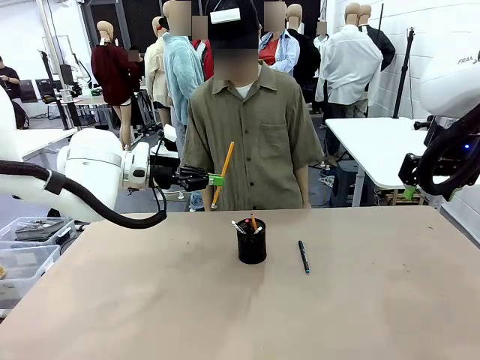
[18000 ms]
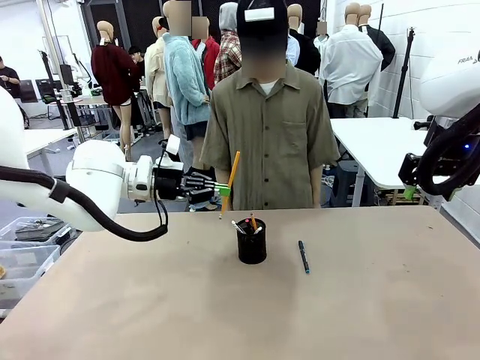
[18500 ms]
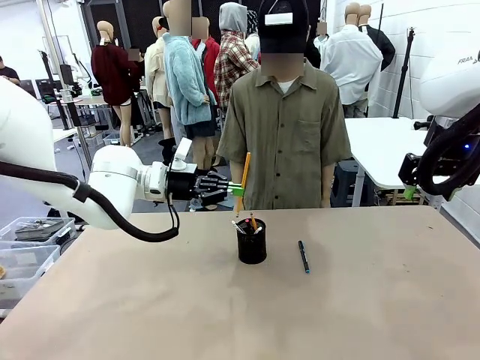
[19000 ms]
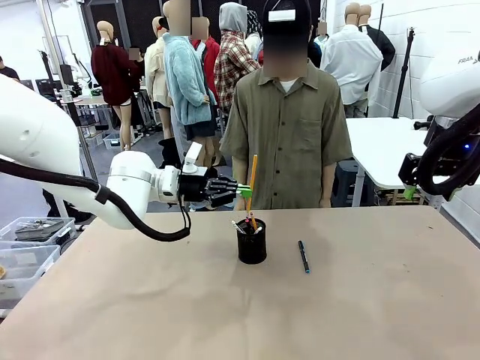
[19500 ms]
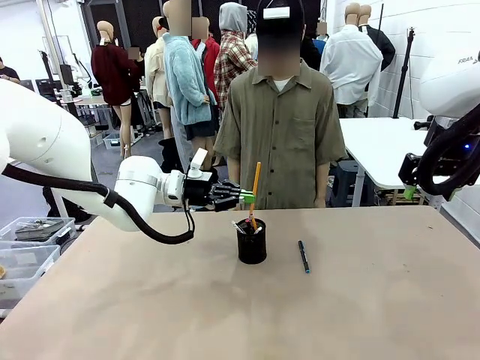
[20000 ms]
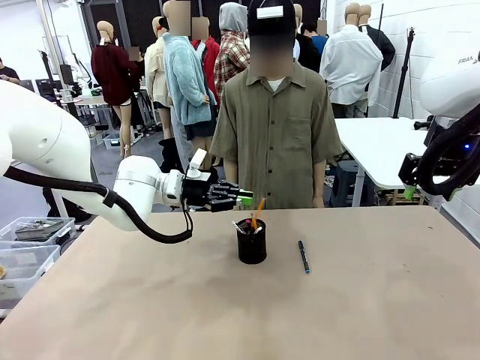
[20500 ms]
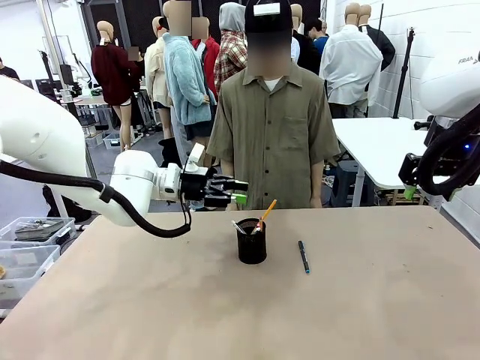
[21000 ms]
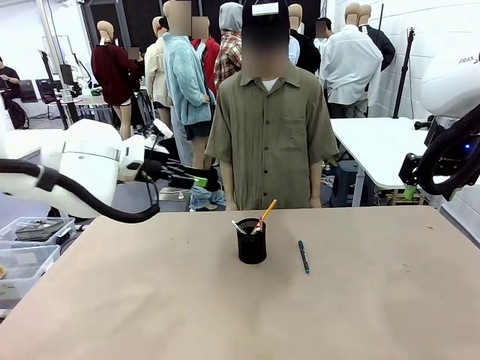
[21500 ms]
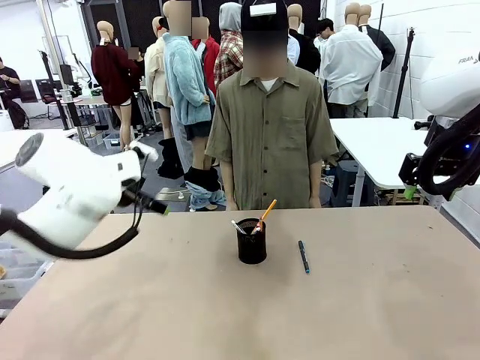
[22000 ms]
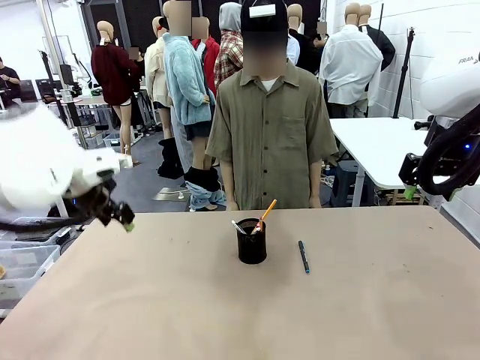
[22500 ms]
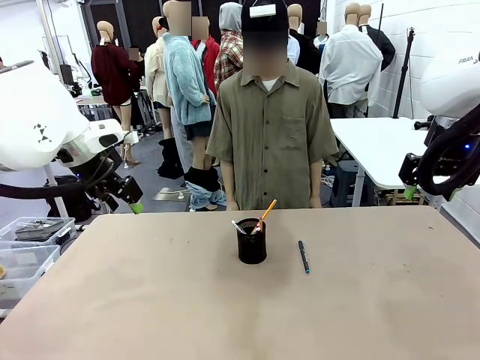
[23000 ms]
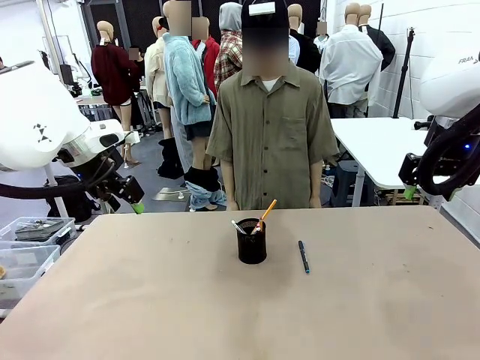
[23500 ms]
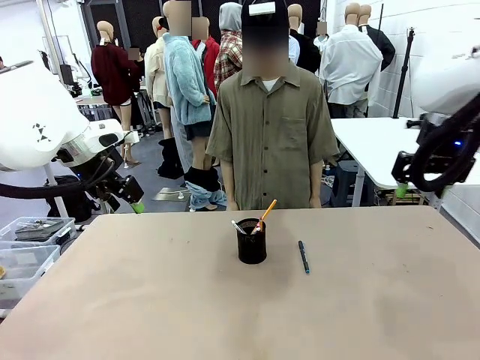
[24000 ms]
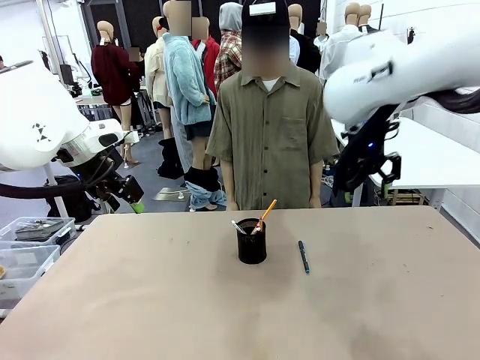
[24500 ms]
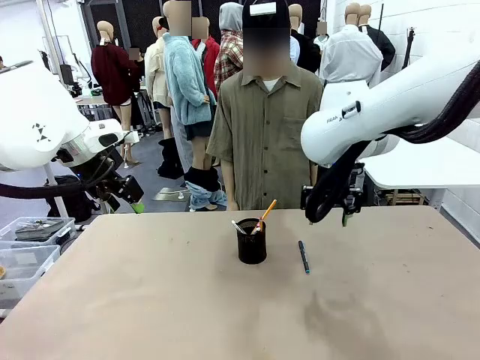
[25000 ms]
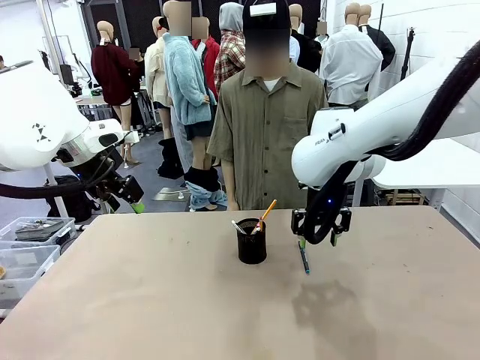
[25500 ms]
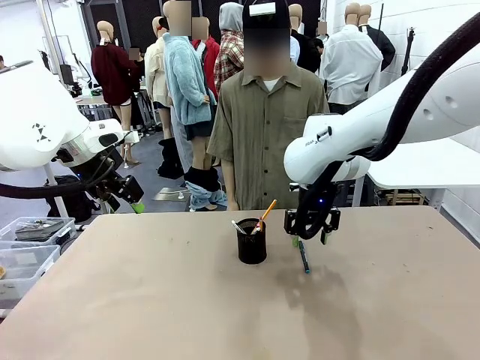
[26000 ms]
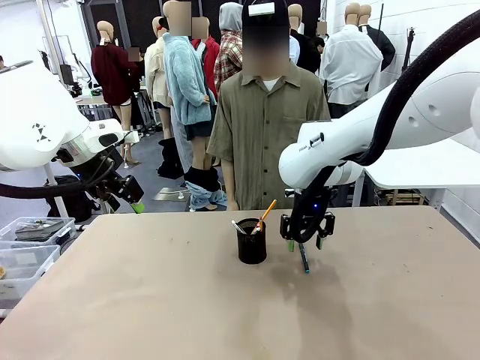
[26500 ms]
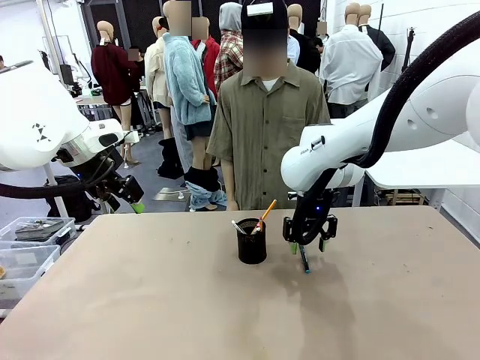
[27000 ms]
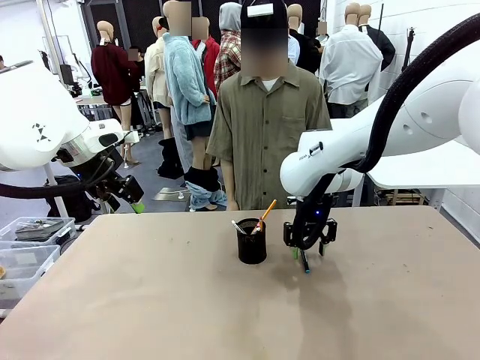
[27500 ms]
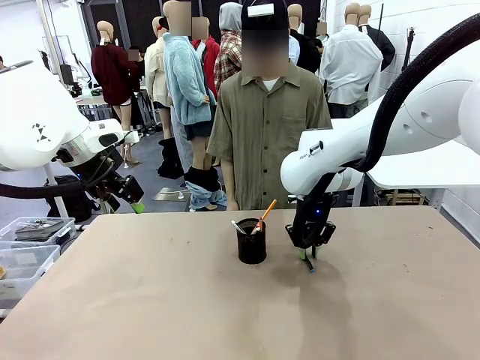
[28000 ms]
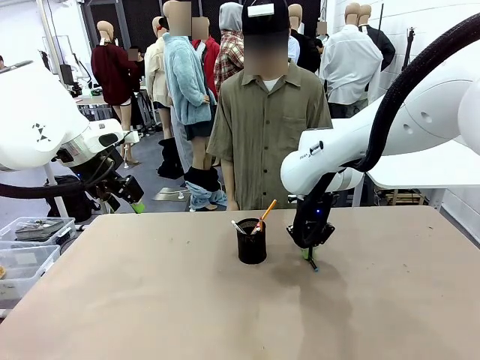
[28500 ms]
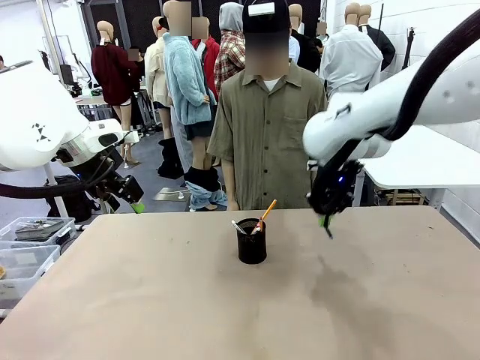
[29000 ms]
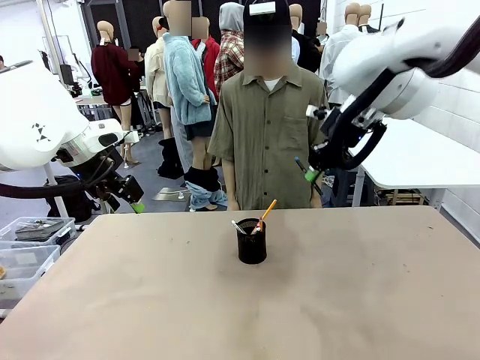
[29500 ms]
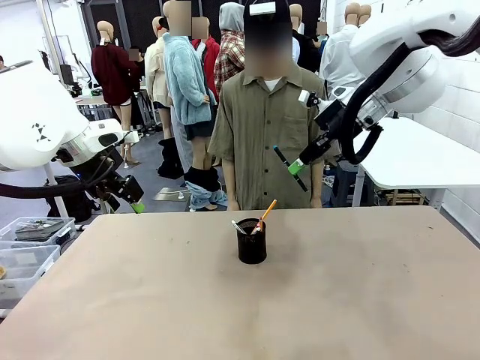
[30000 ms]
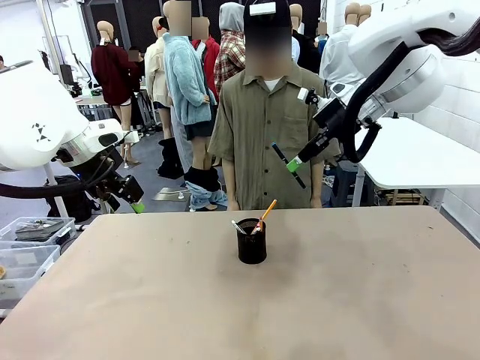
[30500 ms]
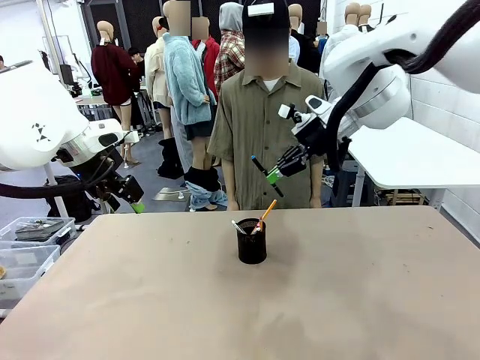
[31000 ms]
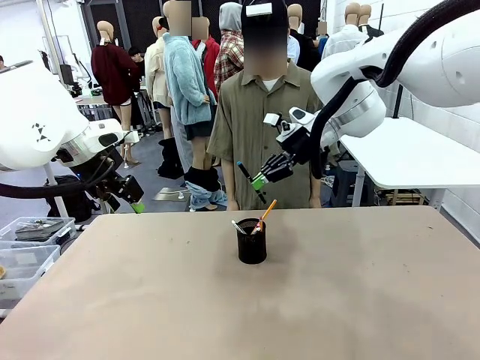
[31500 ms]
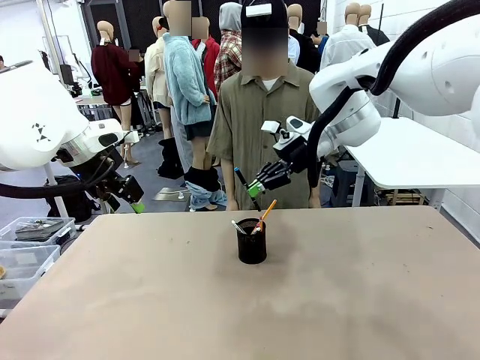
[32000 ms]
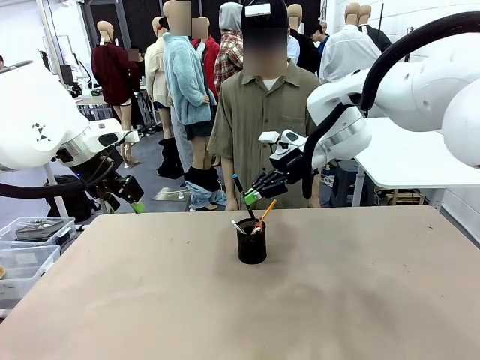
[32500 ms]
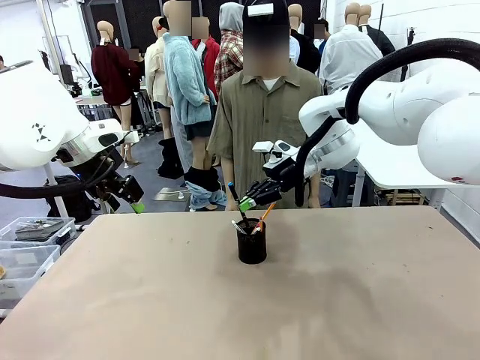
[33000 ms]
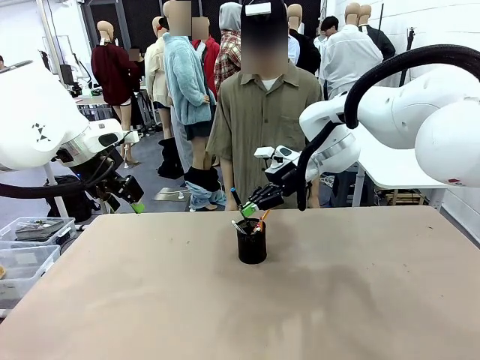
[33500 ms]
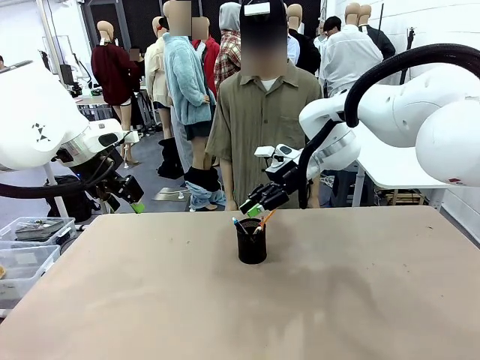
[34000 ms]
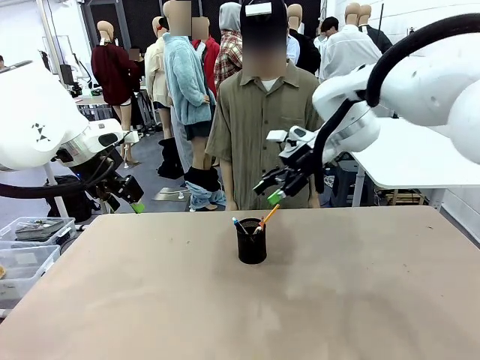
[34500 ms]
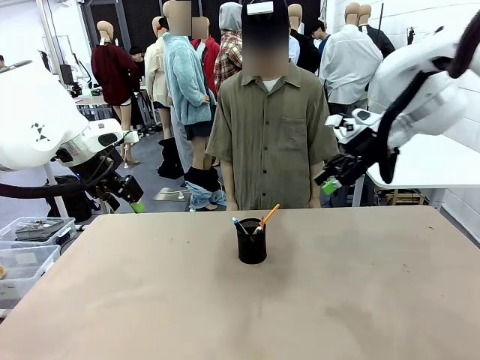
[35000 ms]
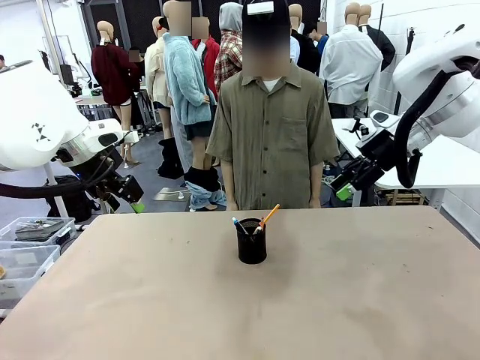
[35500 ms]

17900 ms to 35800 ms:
Task: Place the pens into the pen holder.
Robot: Pick up a writing instrument from the table and place it into the Pen holder.
Person: Place all writing instrument into the Pen holder.
